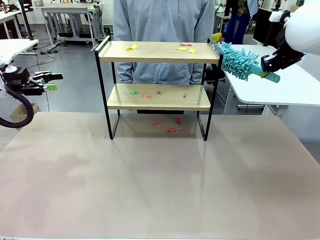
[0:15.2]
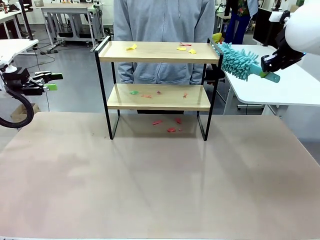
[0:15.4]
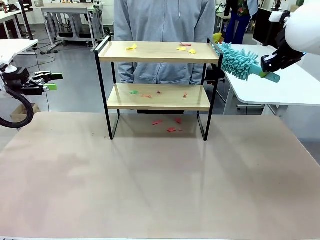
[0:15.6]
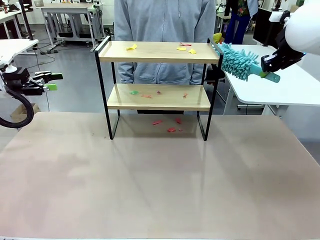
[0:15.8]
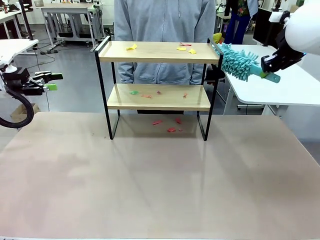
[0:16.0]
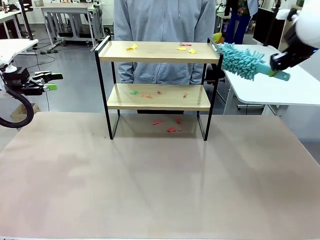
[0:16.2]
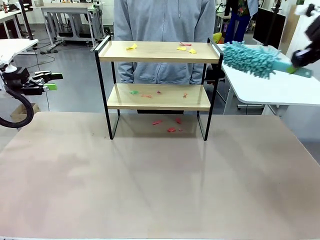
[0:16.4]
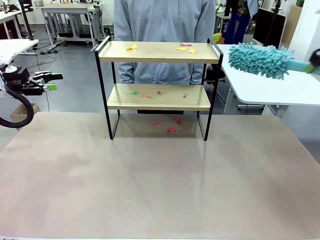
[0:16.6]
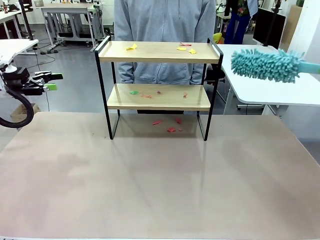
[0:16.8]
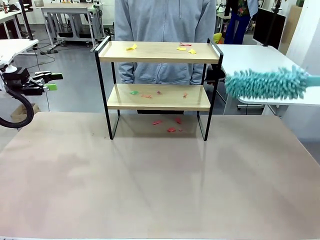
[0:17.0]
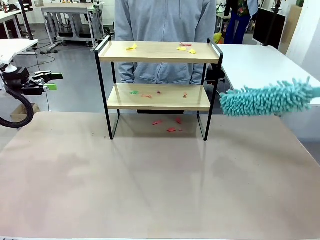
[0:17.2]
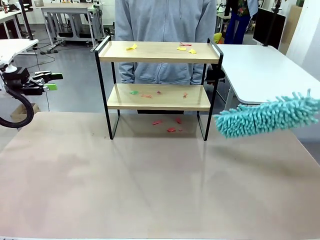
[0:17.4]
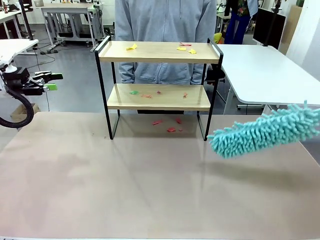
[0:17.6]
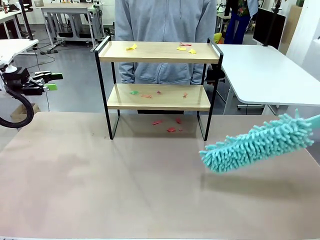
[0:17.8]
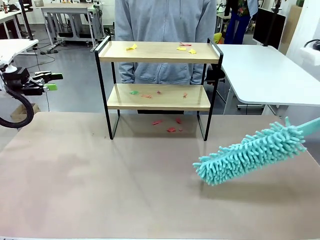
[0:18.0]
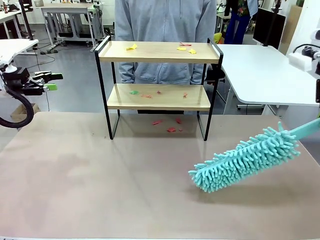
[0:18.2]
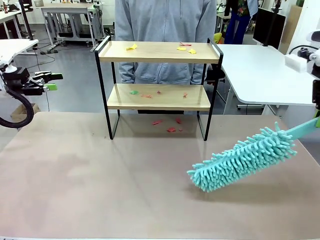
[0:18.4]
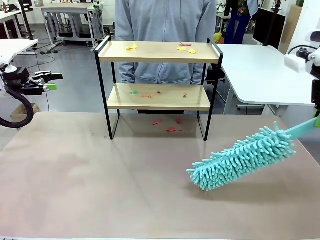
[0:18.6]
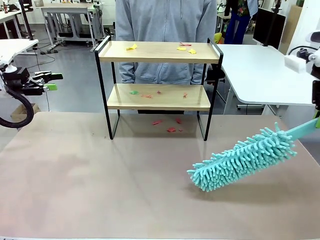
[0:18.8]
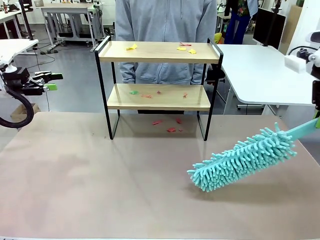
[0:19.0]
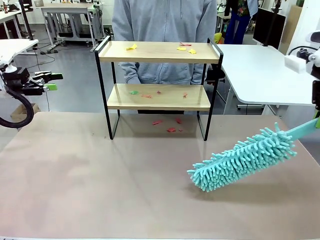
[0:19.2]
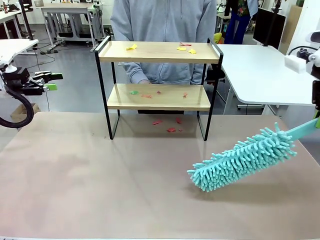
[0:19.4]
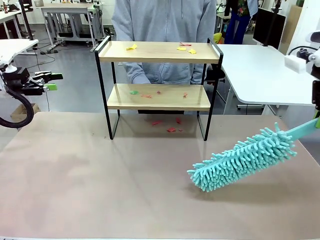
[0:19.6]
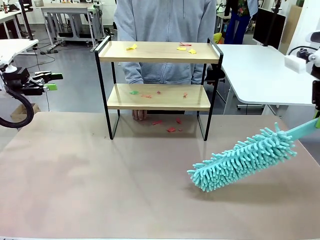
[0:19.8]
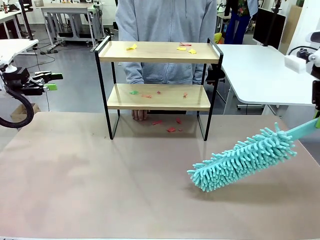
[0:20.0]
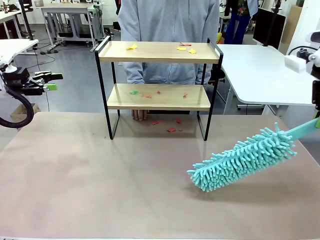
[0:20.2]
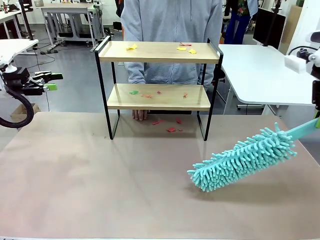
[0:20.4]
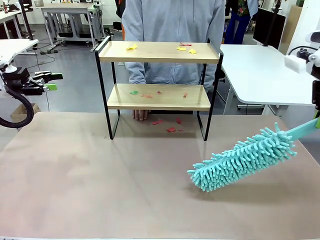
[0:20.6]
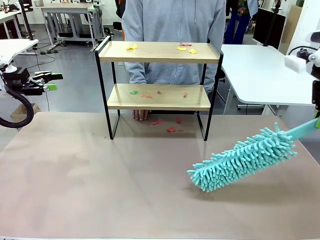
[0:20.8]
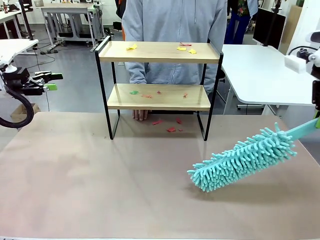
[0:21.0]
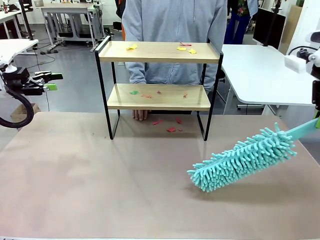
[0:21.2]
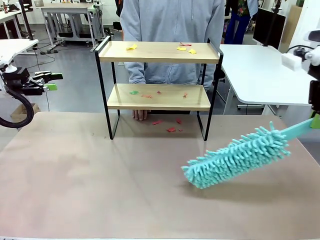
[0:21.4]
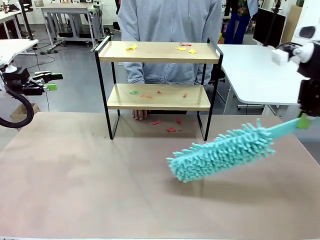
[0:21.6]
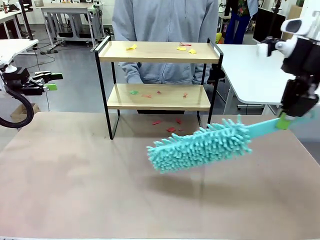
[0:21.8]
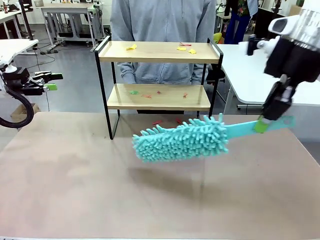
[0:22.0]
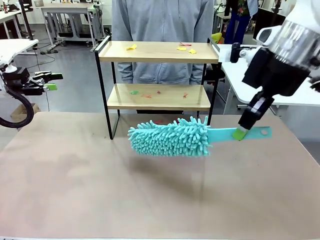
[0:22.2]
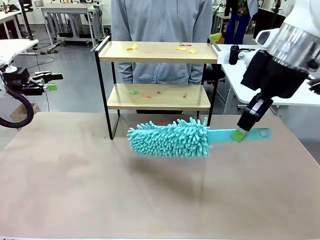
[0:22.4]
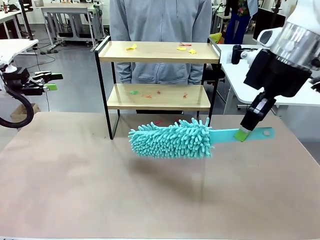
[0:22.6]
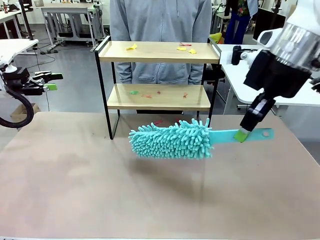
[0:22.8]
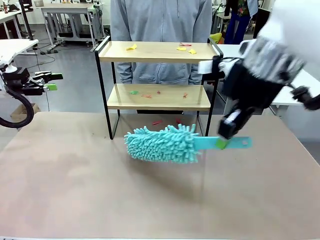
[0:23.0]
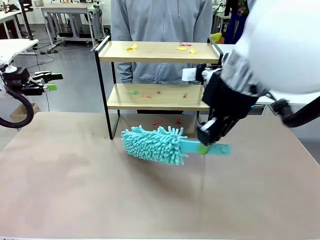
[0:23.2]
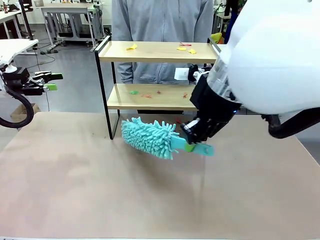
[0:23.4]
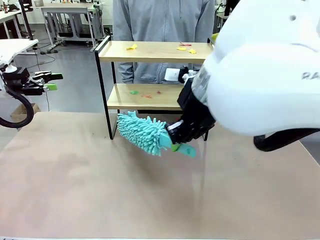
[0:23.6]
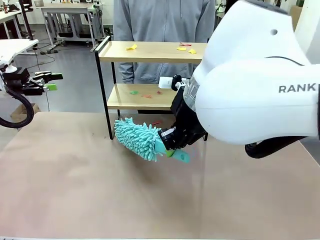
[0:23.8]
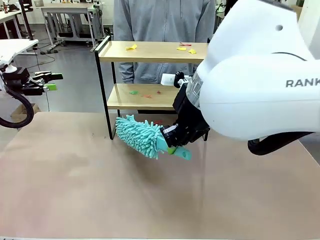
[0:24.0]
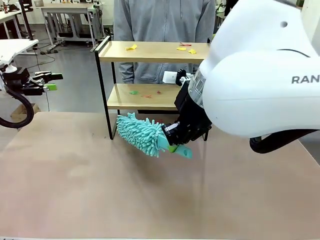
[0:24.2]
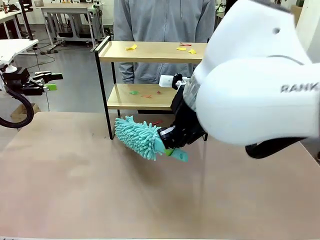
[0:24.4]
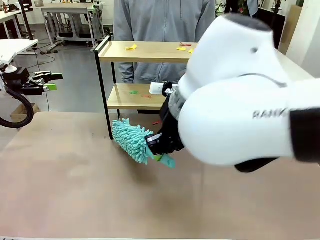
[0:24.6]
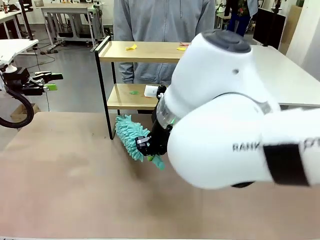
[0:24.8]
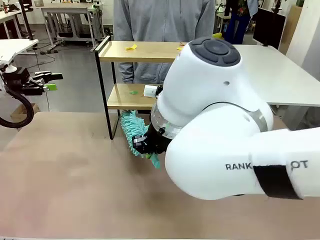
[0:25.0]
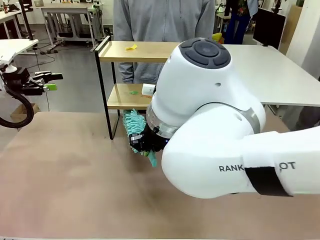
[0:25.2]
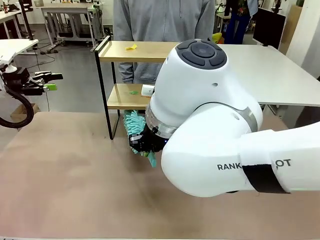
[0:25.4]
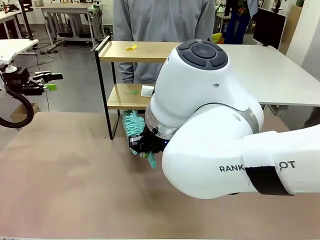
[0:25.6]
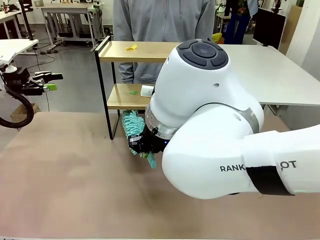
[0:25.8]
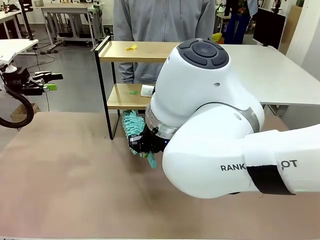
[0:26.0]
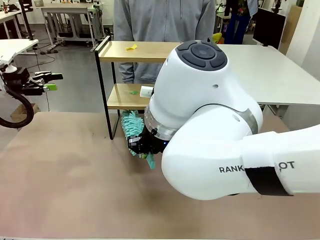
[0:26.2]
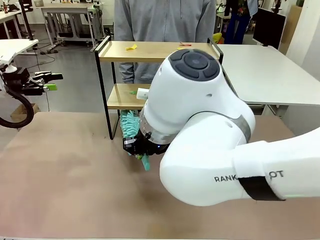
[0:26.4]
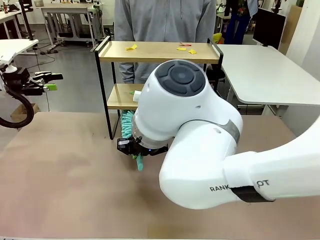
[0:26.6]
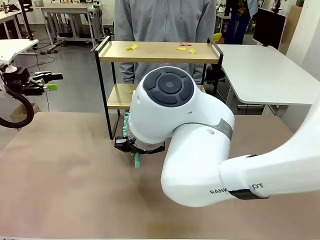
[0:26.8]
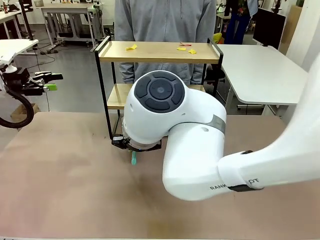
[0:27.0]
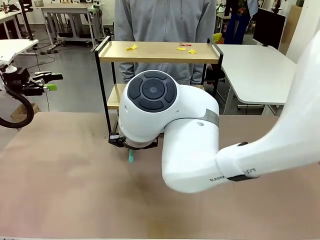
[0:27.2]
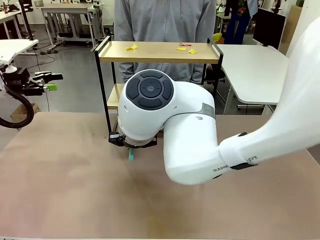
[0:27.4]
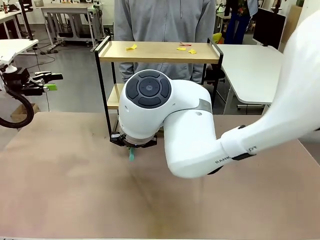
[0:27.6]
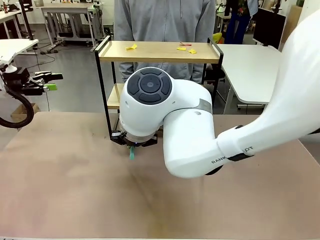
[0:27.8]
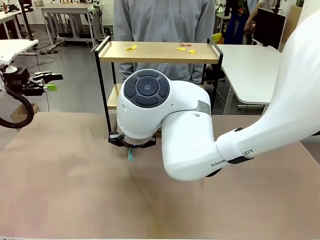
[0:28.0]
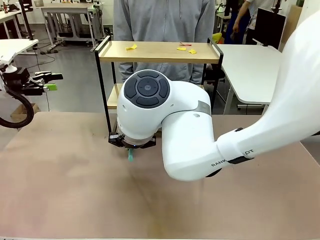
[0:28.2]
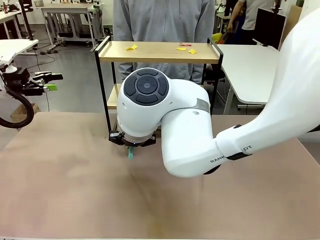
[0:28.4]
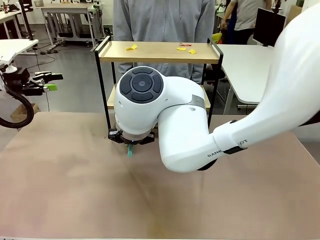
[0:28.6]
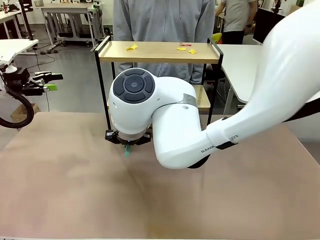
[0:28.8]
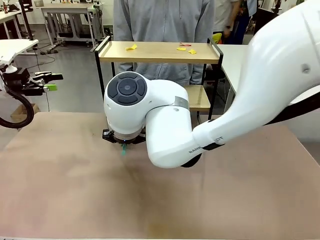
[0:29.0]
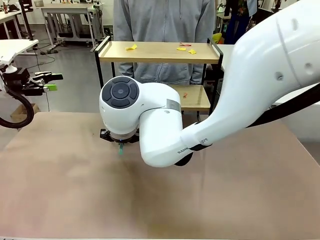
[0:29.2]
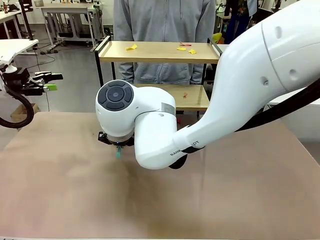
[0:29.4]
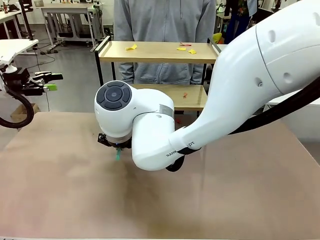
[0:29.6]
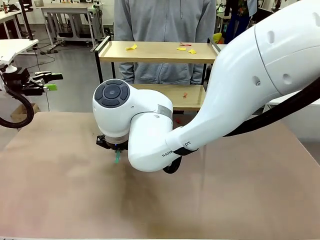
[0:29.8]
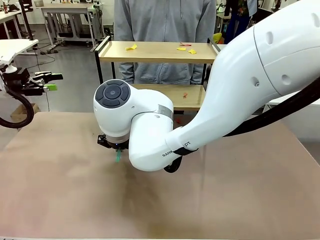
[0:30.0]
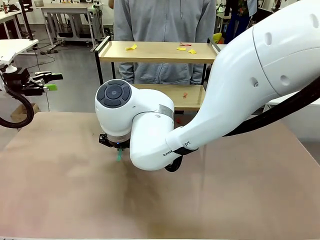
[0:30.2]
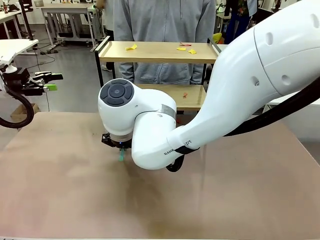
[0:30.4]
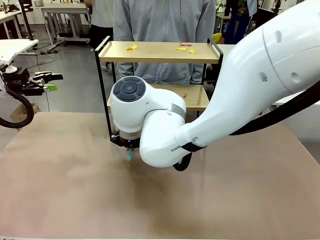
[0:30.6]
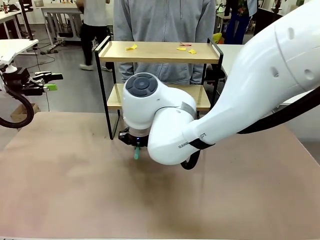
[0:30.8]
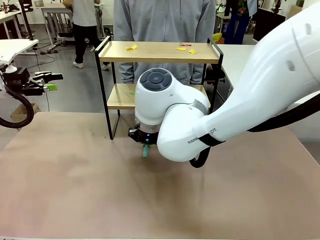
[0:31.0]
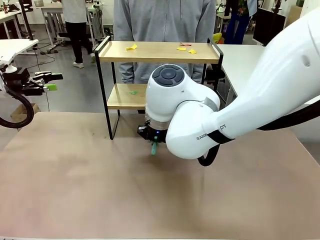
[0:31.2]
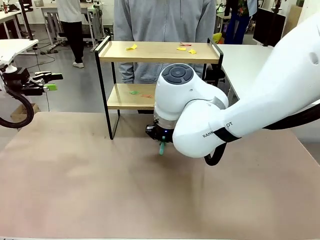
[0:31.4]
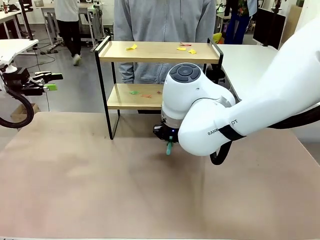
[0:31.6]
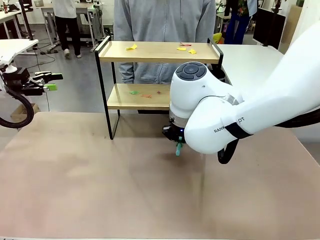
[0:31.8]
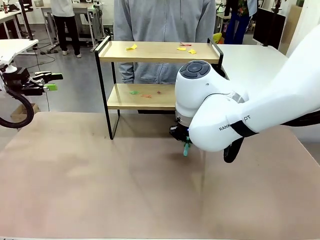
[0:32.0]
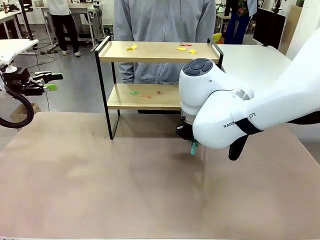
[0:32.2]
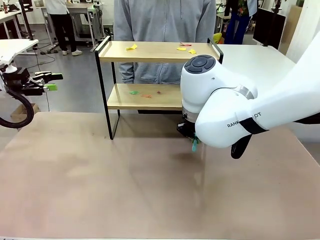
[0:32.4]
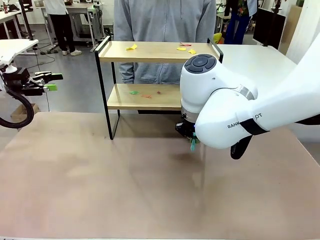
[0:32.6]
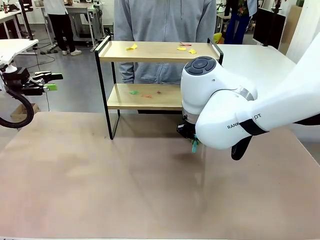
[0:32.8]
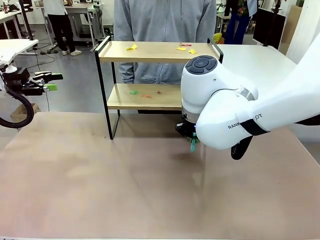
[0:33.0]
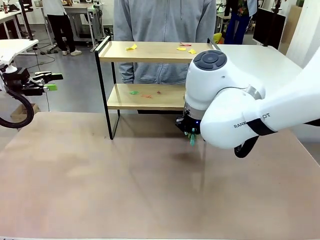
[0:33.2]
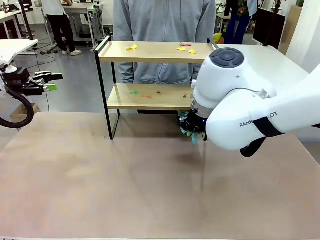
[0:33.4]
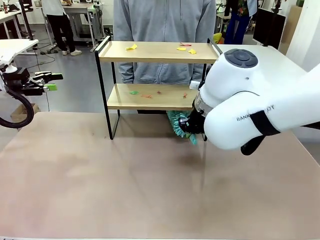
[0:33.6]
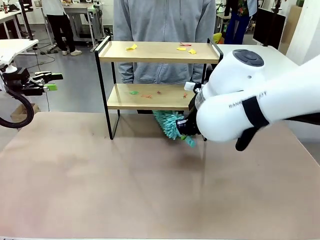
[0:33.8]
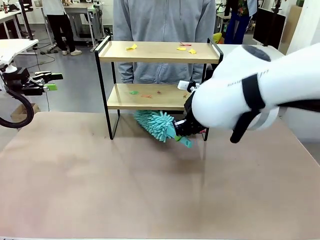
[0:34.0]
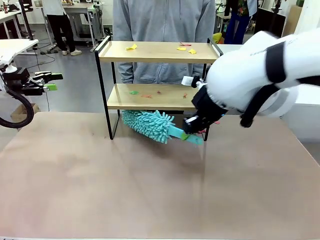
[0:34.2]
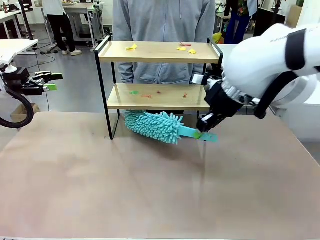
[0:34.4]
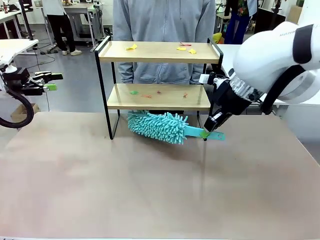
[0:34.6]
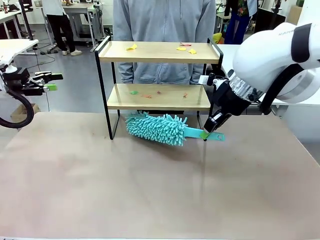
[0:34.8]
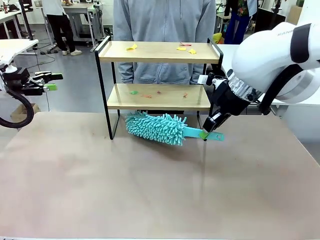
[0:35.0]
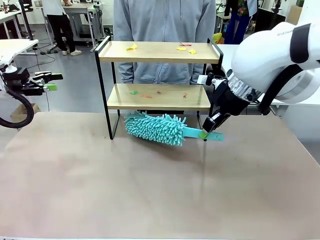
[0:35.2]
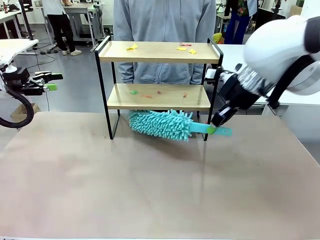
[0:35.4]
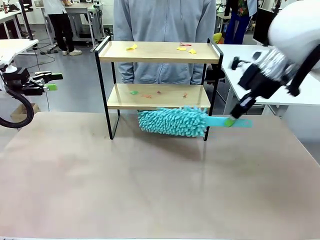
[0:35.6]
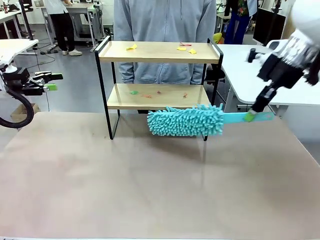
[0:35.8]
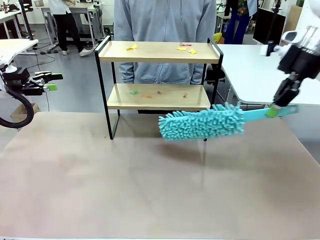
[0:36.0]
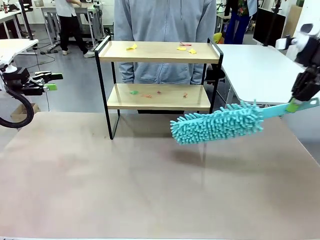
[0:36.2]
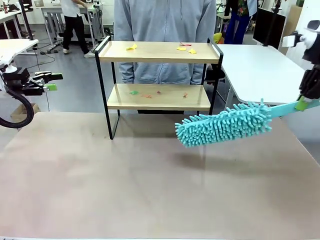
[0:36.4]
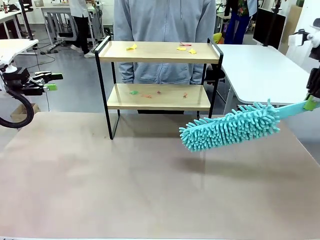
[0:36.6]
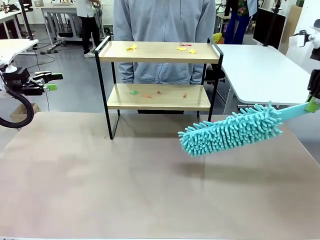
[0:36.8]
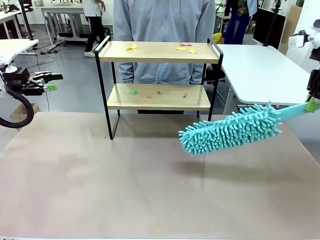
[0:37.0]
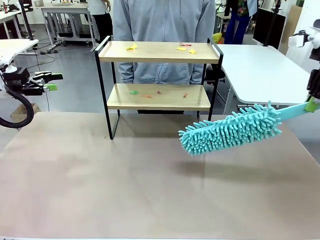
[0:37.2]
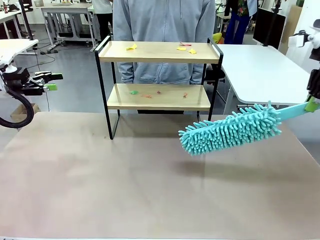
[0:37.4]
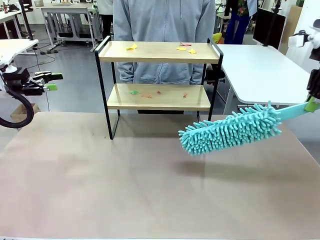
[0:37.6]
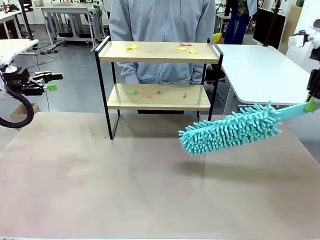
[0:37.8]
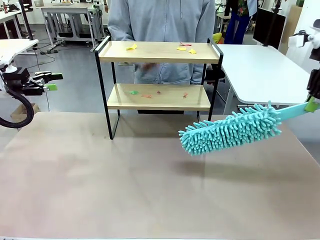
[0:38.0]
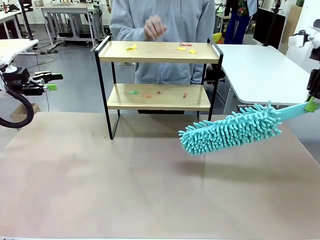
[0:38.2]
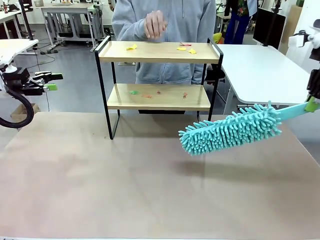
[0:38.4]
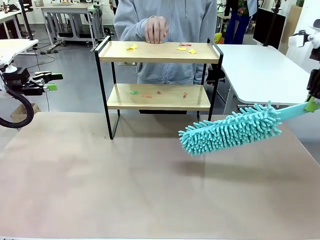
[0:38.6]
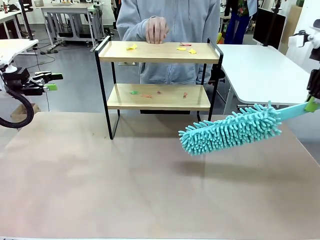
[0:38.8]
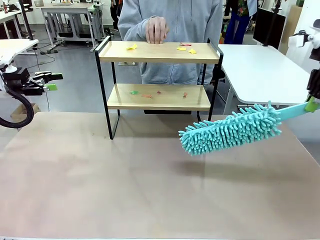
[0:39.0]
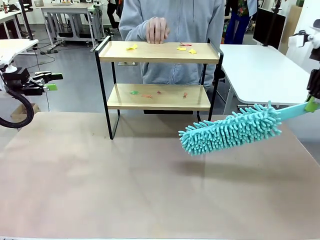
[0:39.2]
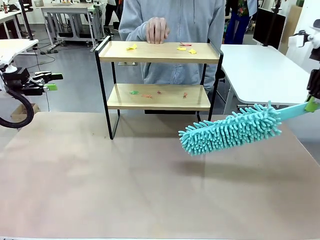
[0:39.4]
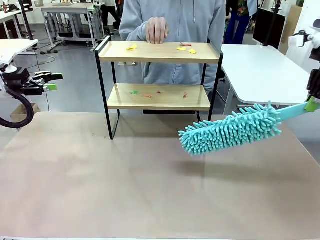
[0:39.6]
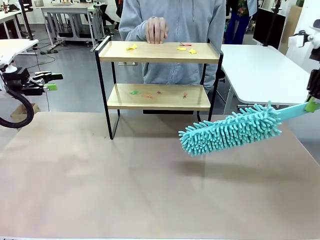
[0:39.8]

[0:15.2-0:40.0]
Task: Clean the shelf.
Robot: Clean the specific section of the Shelf indicated by the human with the Duster.
Person: Point a random section of the Shelf.
